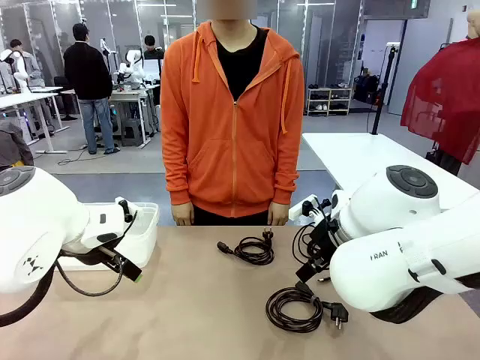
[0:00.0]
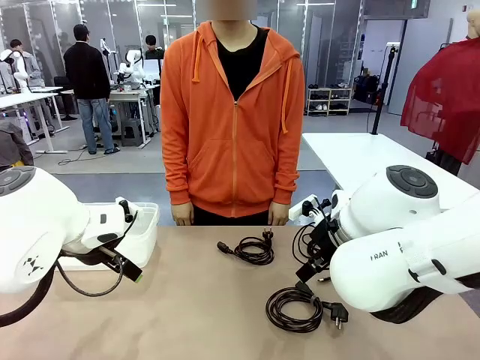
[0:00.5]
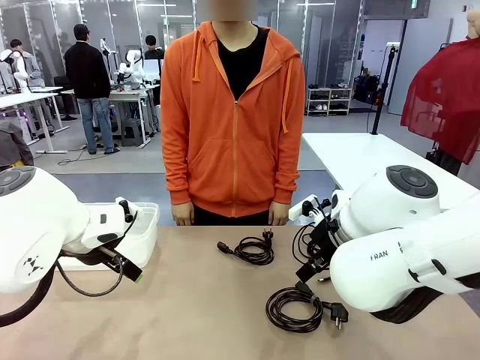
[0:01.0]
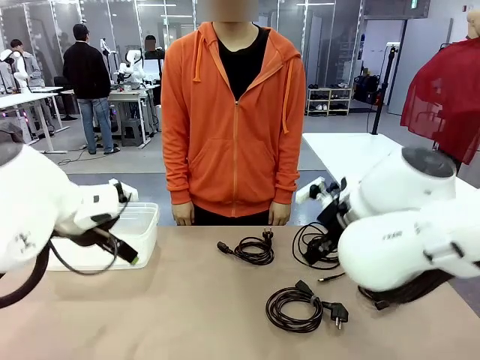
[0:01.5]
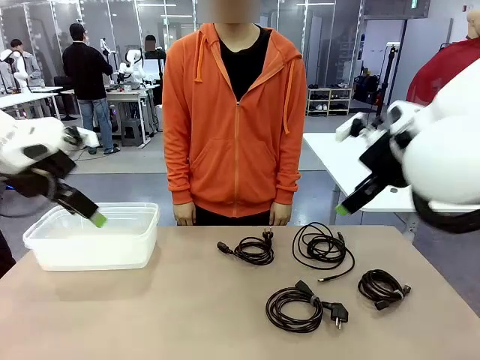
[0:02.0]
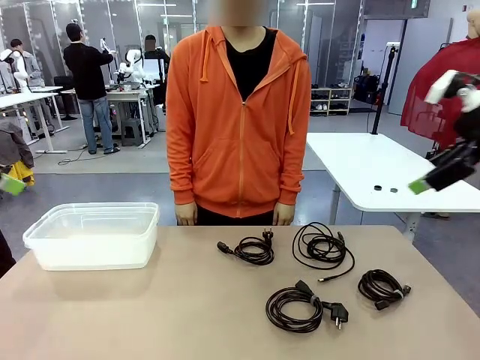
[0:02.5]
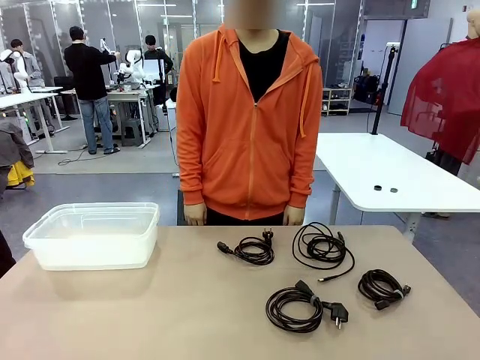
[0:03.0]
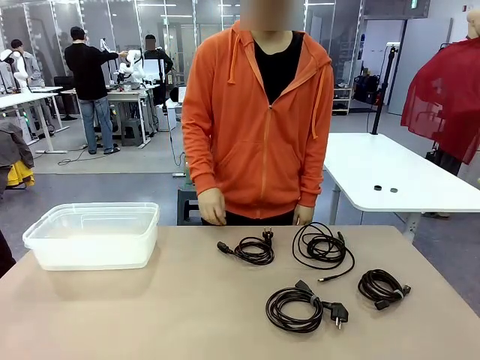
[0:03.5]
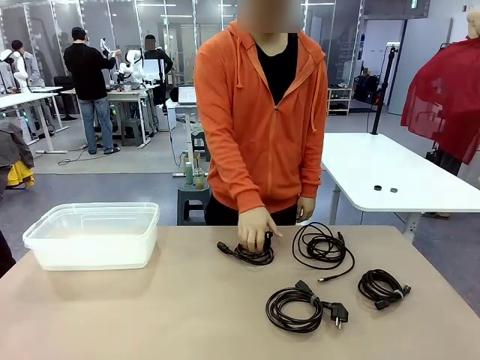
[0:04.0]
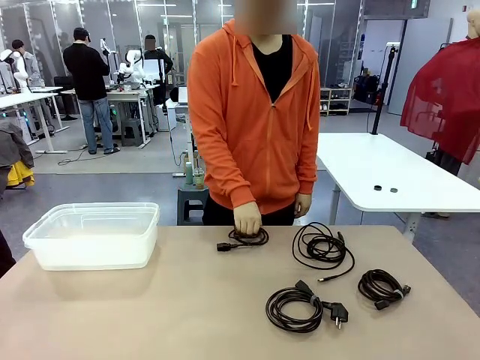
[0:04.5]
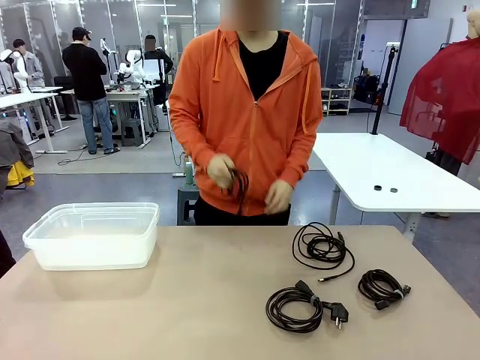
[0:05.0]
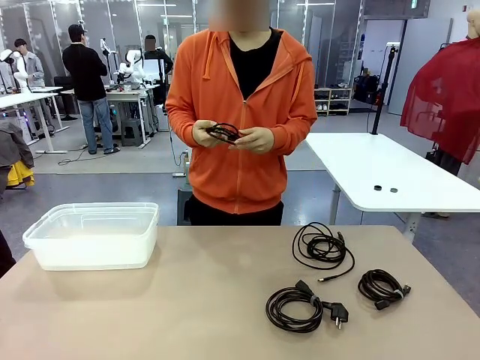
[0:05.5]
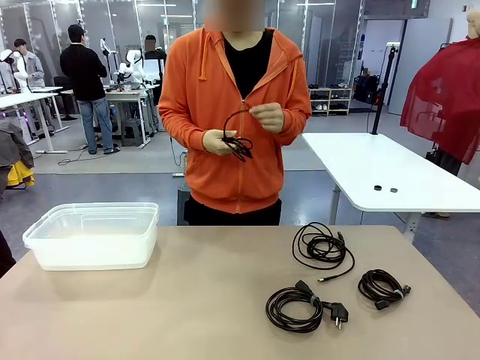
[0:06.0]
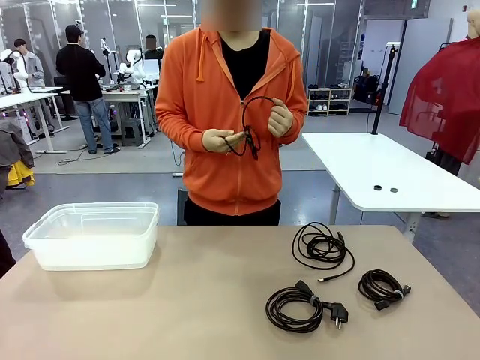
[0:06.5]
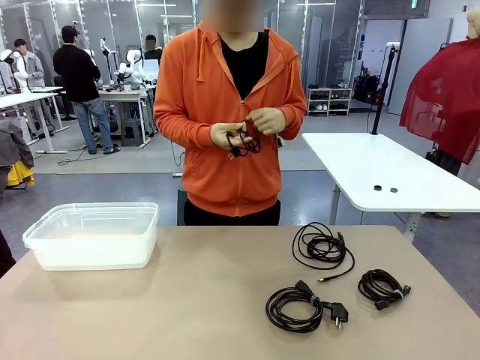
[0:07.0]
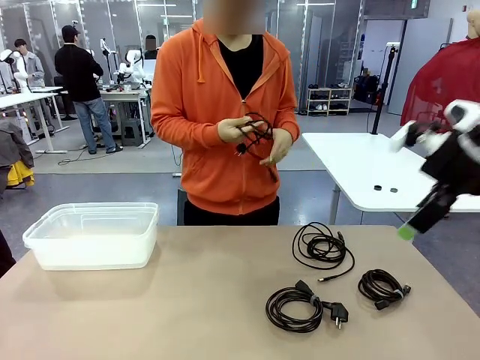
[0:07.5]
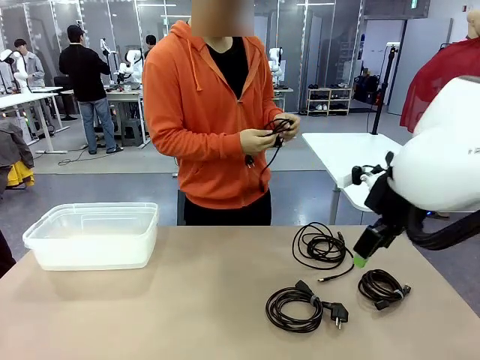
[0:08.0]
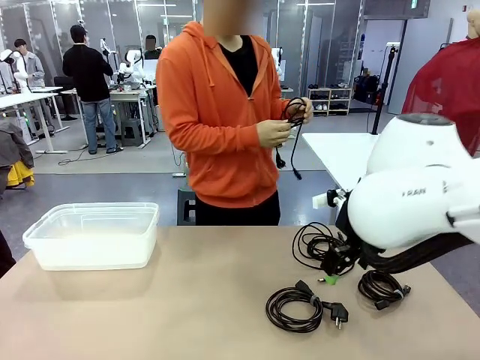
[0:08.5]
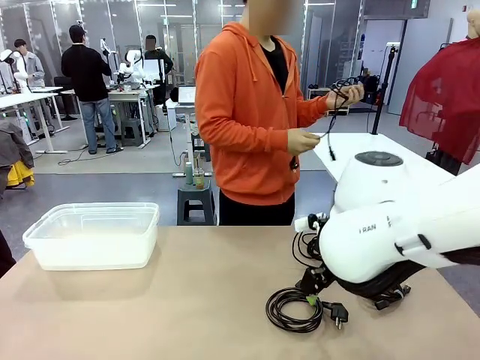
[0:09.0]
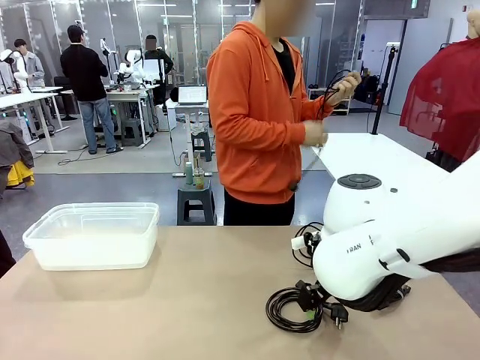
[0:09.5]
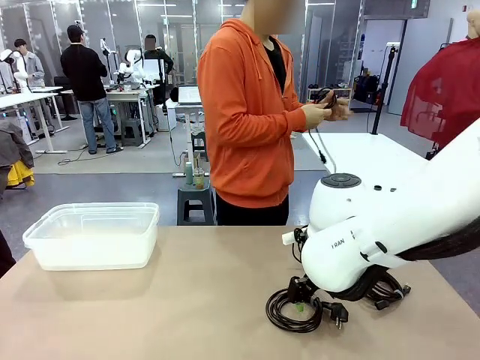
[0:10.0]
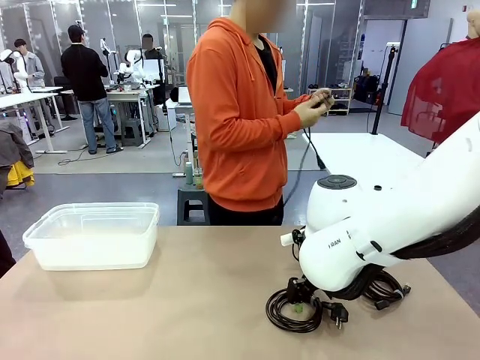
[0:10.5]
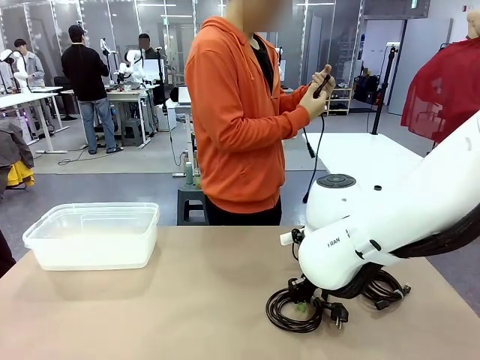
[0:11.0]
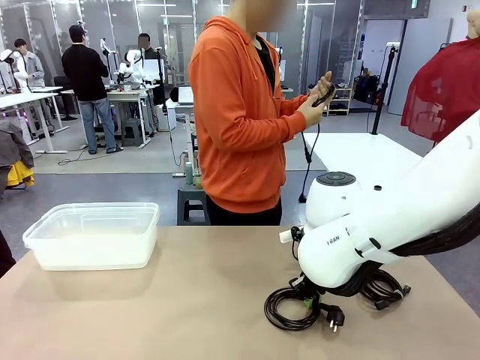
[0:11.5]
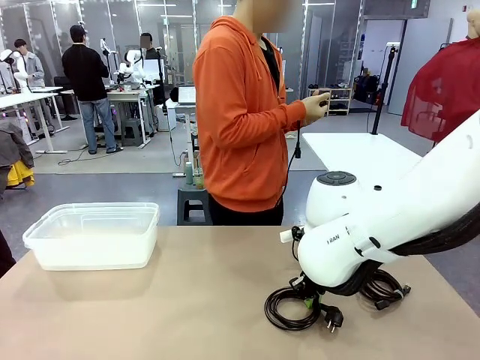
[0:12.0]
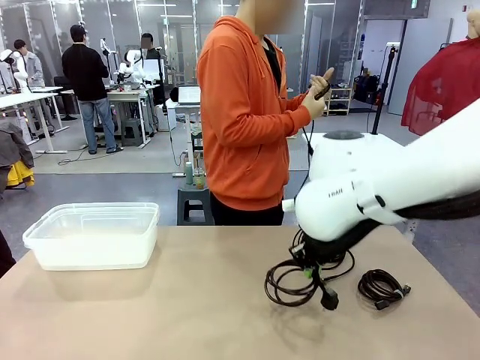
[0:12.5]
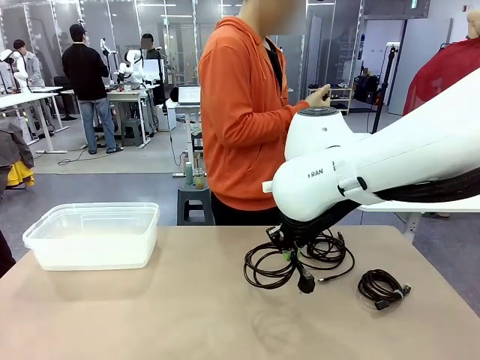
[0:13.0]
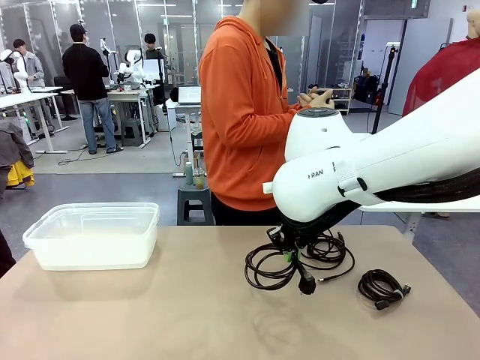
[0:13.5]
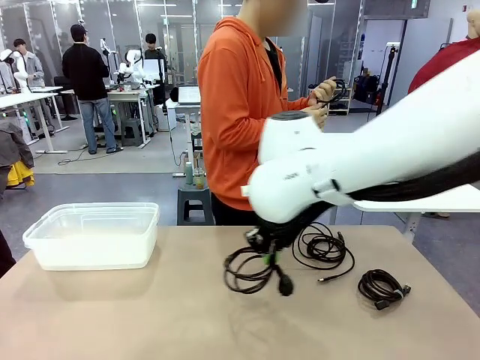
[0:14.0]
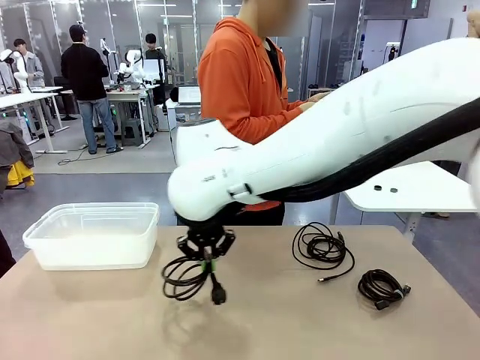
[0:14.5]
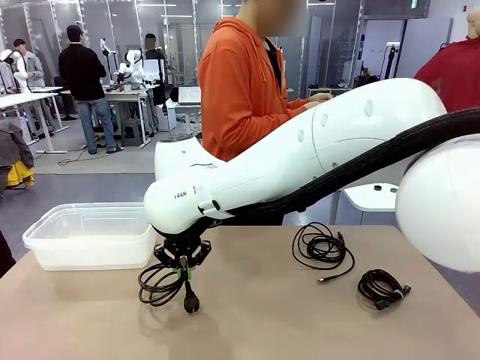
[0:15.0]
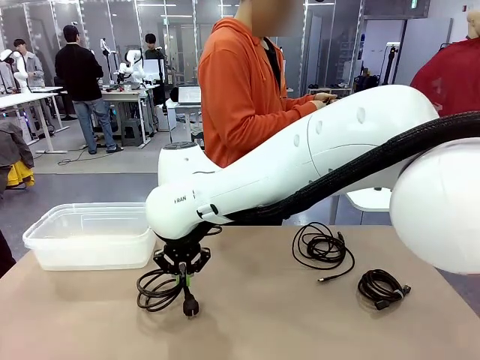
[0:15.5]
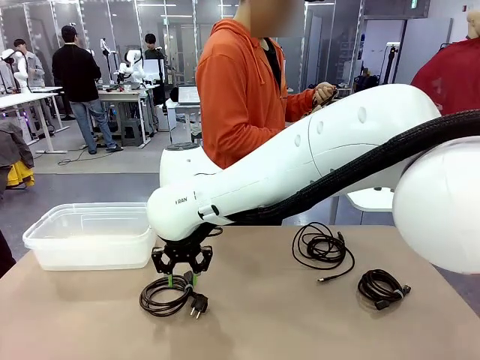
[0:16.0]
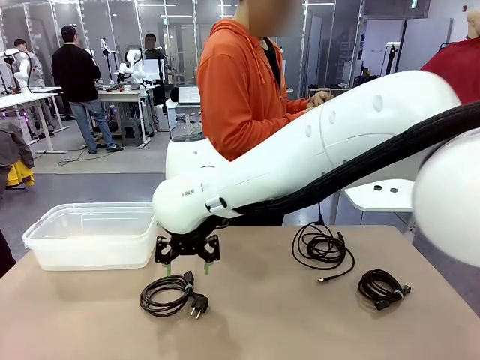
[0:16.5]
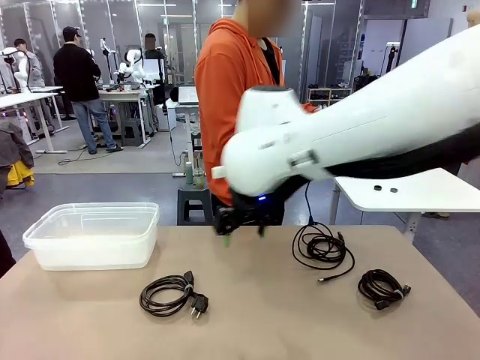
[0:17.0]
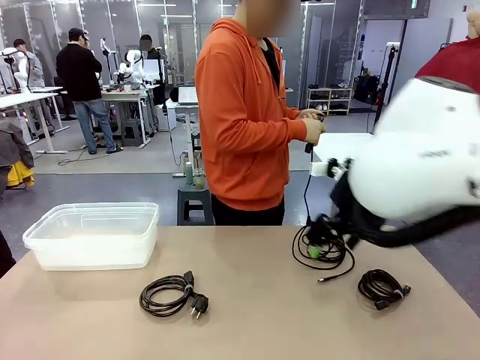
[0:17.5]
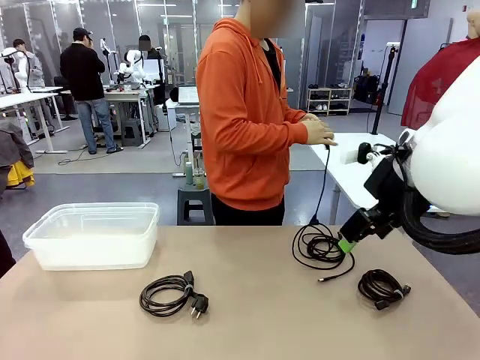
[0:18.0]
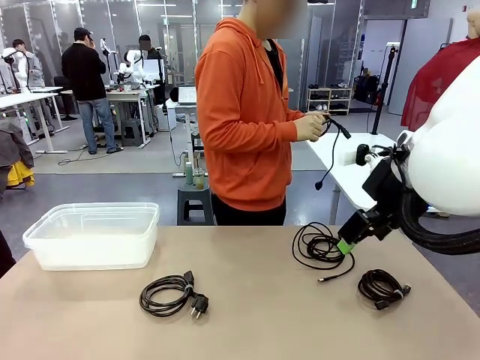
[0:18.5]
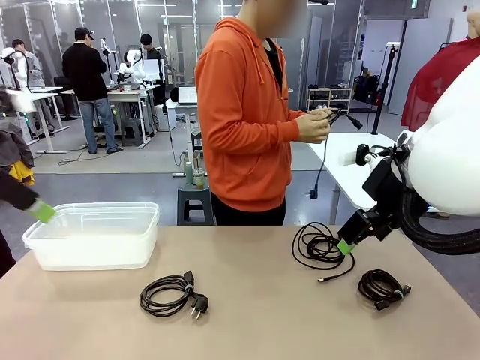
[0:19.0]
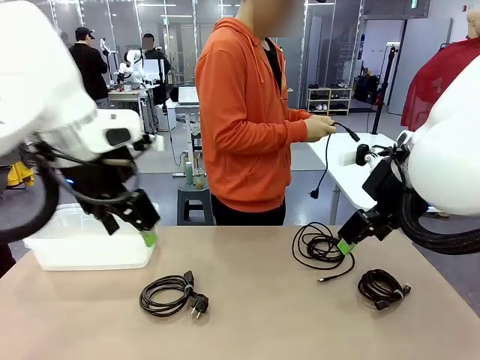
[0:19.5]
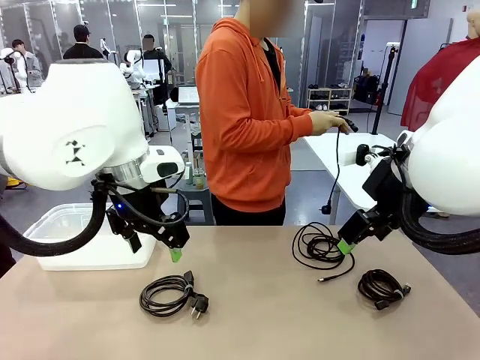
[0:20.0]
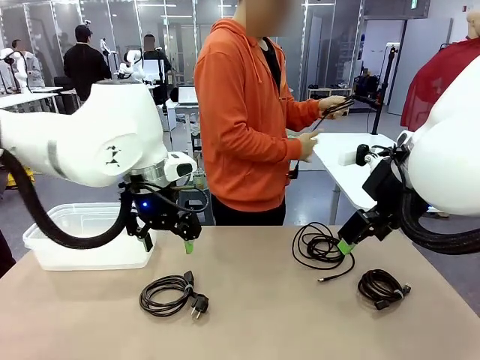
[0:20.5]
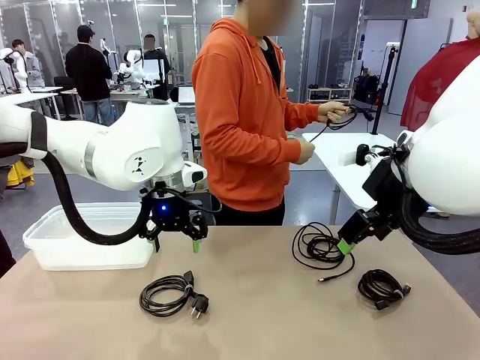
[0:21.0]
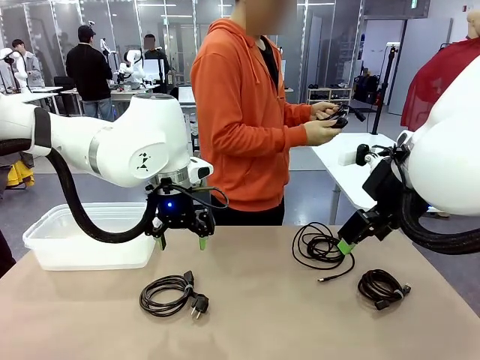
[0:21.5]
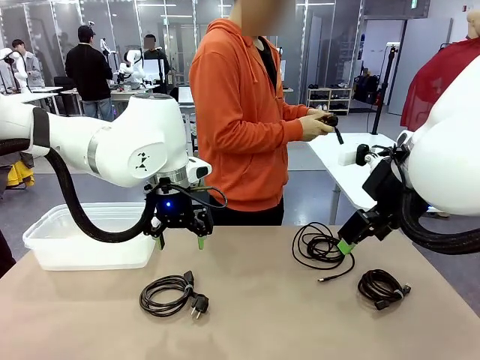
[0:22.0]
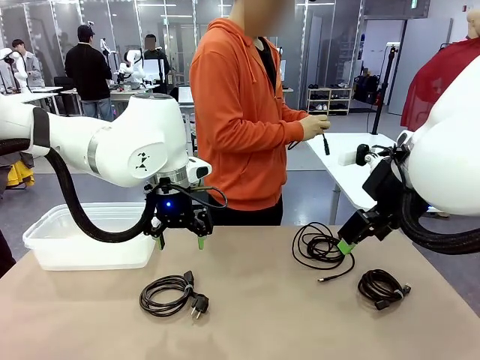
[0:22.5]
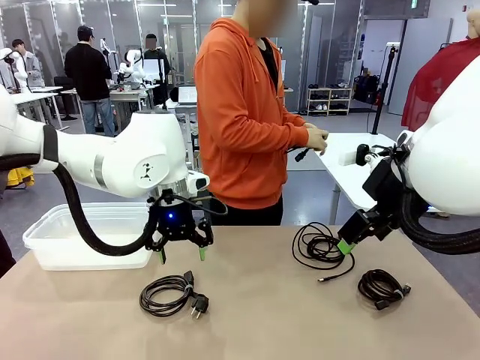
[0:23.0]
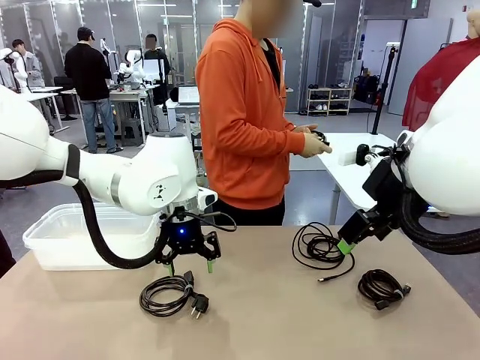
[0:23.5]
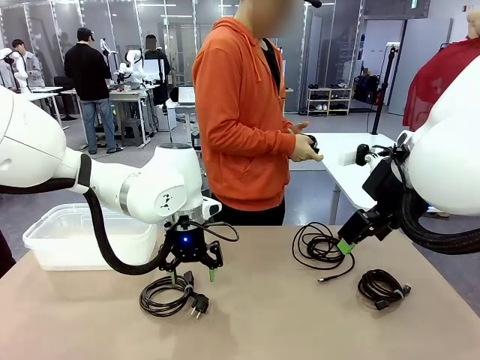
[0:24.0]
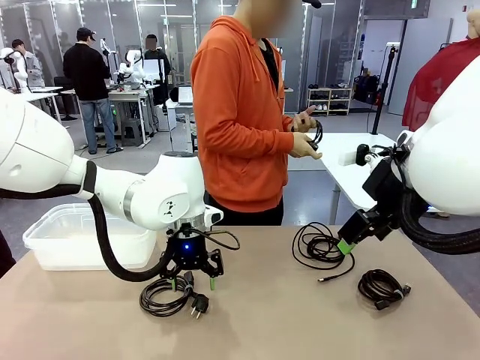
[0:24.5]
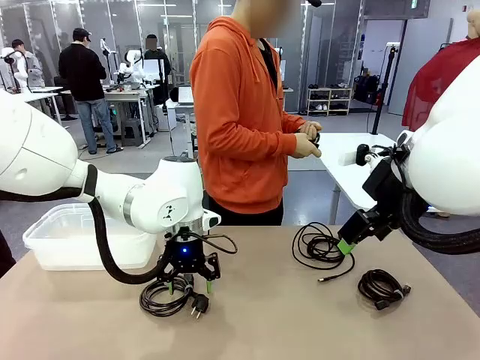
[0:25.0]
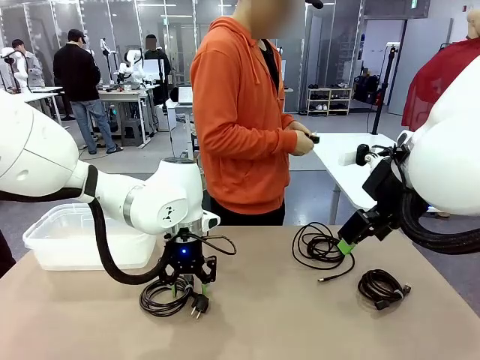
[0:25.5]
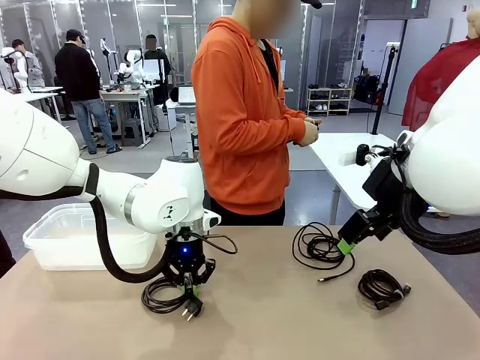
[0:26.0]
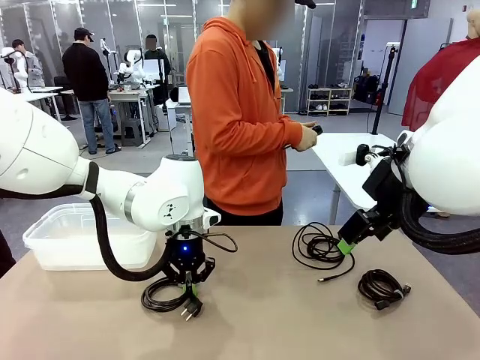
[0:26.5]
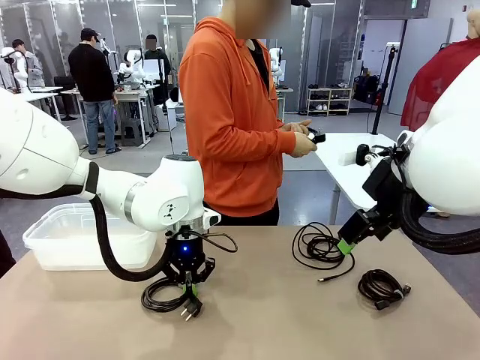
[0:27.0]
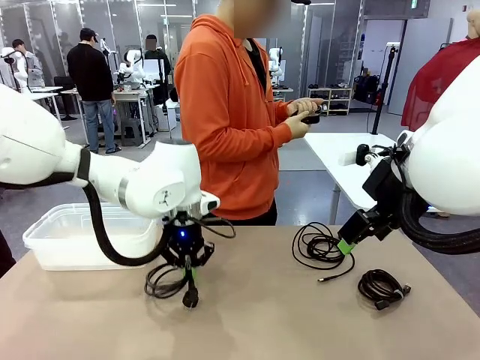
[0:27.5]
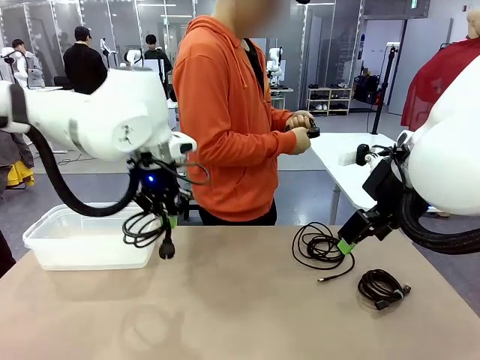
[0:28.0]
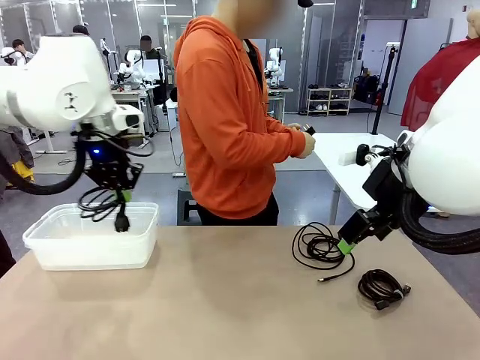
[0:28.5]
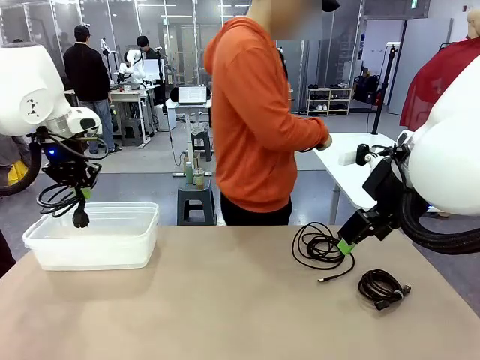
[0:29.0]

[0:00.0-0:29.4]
Task: Organize and store the cables.
Robot: Place the Power Cable into the Organizing box.
Person: Tie one Power Cable with a Reusable Cable Tie.
